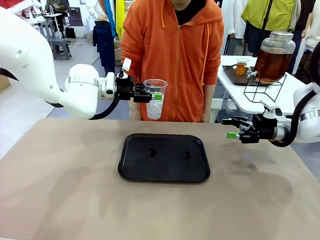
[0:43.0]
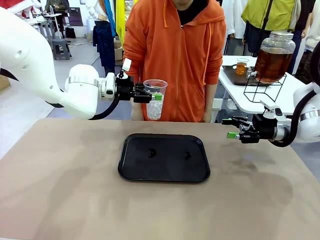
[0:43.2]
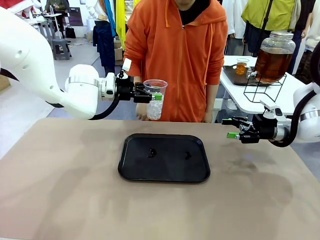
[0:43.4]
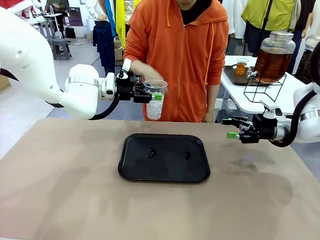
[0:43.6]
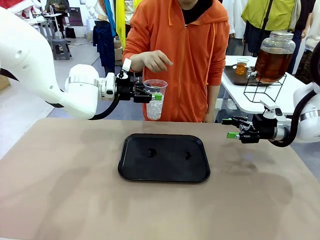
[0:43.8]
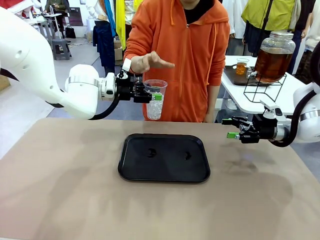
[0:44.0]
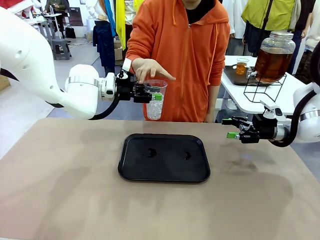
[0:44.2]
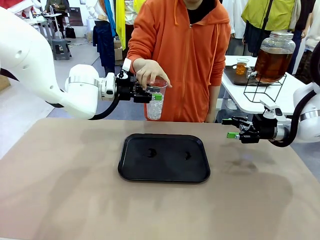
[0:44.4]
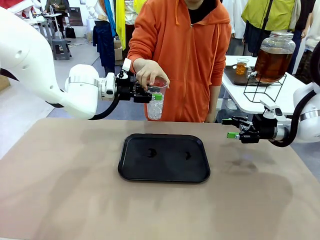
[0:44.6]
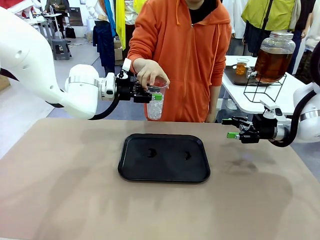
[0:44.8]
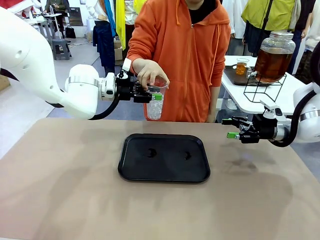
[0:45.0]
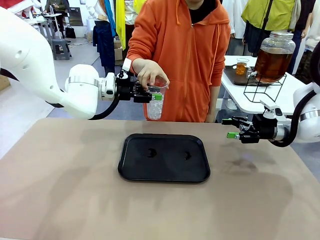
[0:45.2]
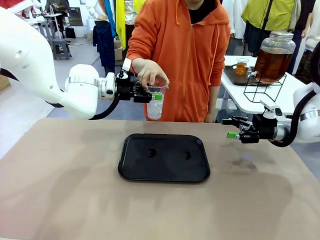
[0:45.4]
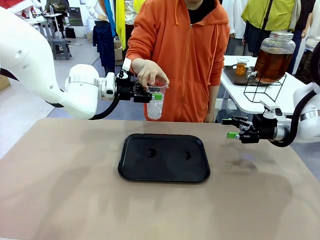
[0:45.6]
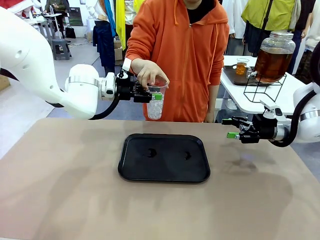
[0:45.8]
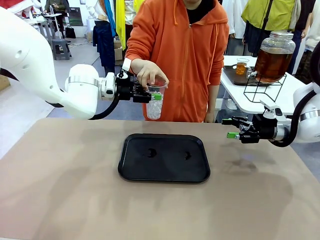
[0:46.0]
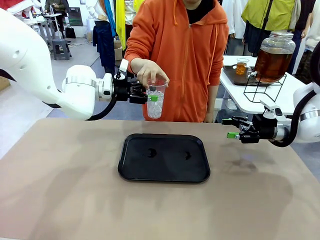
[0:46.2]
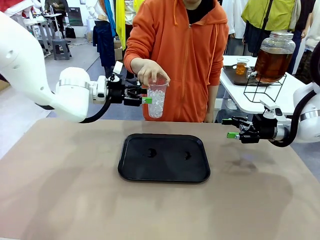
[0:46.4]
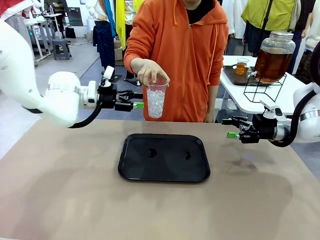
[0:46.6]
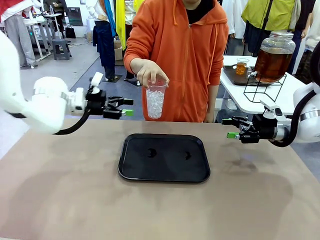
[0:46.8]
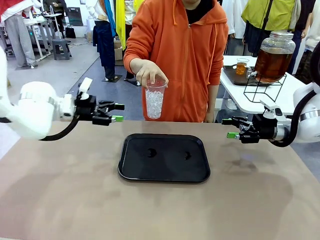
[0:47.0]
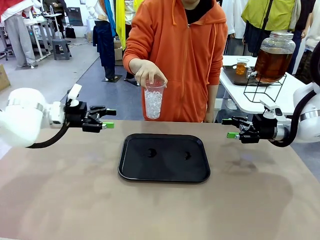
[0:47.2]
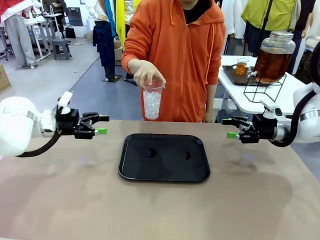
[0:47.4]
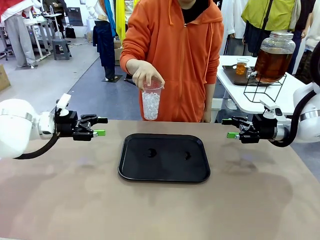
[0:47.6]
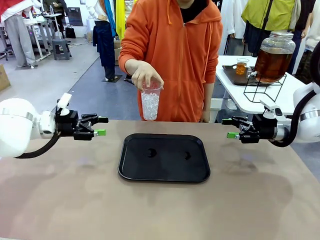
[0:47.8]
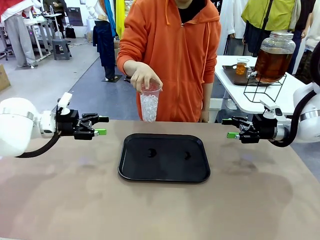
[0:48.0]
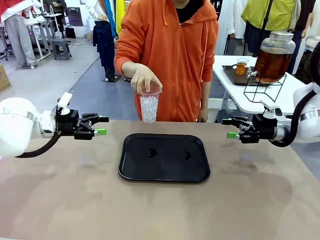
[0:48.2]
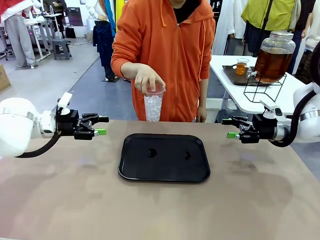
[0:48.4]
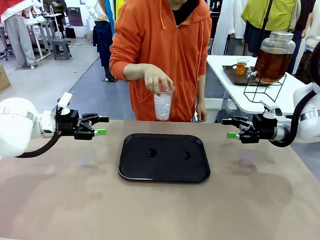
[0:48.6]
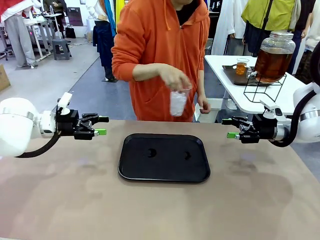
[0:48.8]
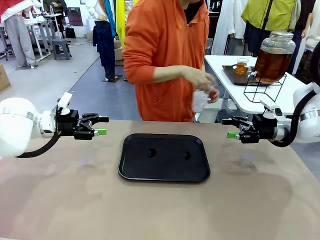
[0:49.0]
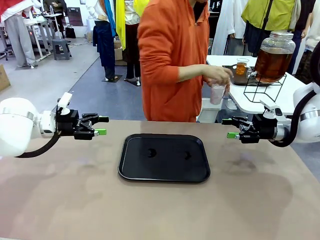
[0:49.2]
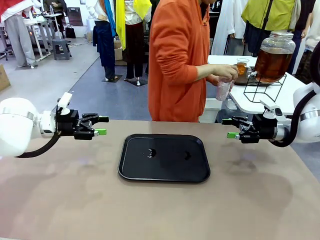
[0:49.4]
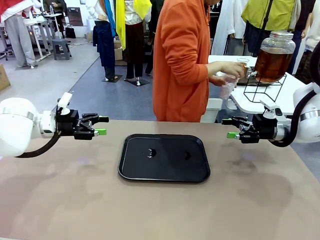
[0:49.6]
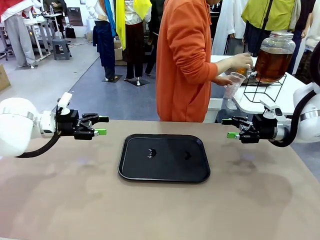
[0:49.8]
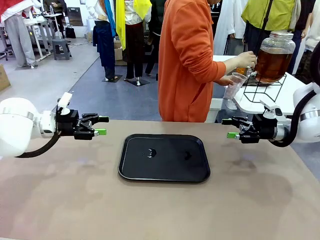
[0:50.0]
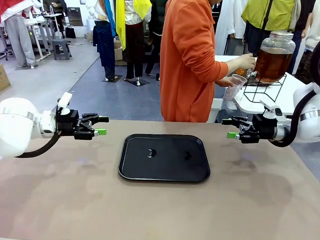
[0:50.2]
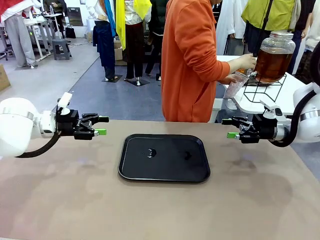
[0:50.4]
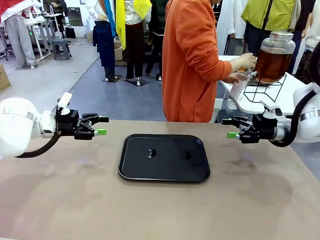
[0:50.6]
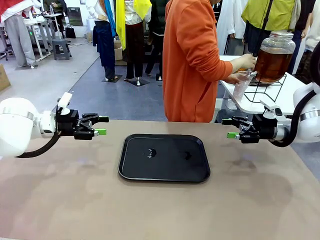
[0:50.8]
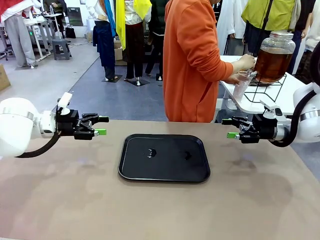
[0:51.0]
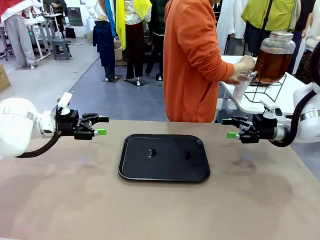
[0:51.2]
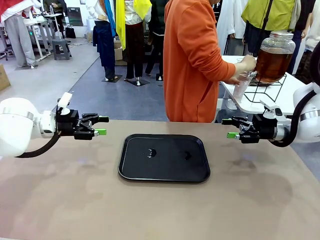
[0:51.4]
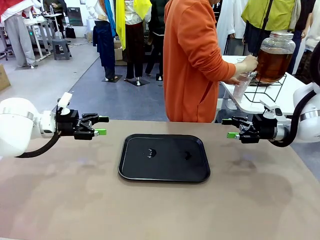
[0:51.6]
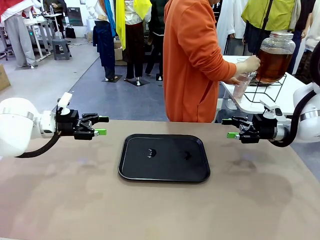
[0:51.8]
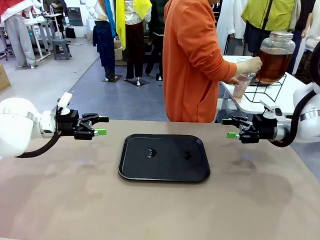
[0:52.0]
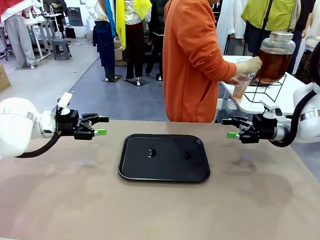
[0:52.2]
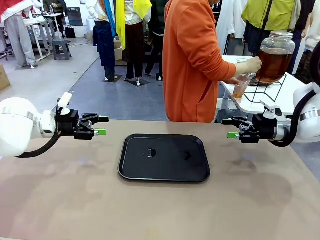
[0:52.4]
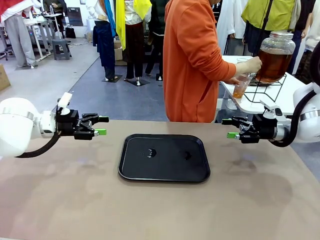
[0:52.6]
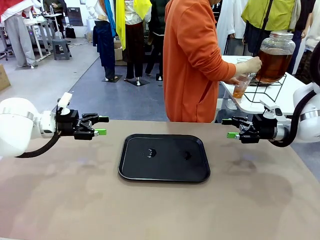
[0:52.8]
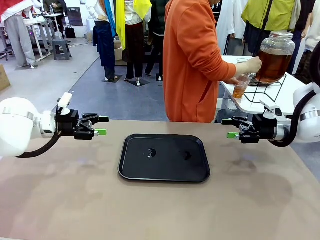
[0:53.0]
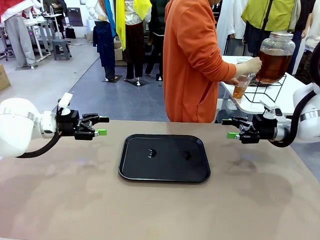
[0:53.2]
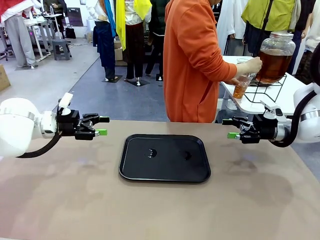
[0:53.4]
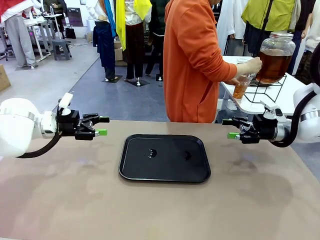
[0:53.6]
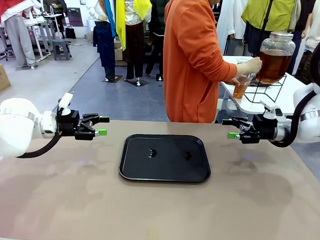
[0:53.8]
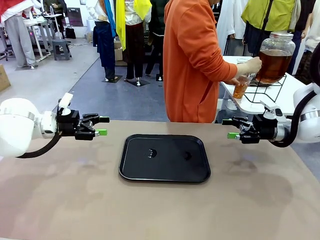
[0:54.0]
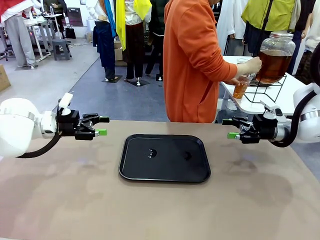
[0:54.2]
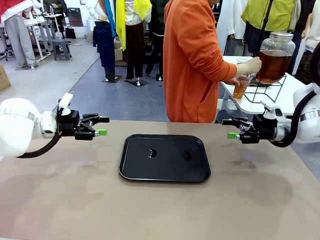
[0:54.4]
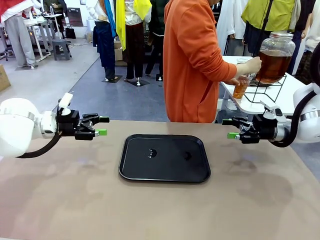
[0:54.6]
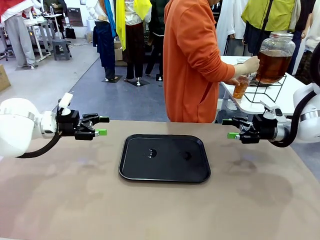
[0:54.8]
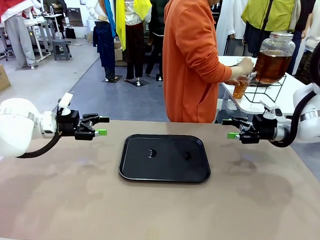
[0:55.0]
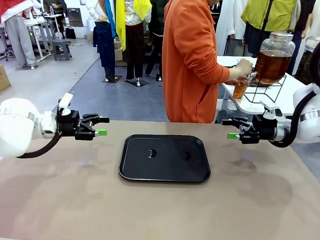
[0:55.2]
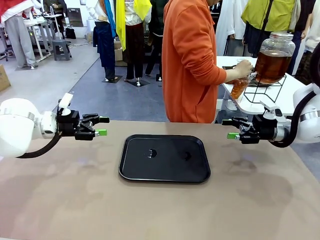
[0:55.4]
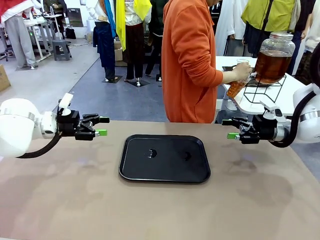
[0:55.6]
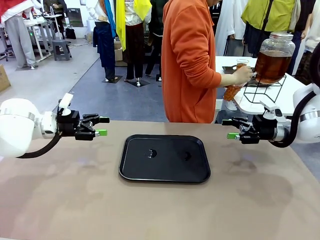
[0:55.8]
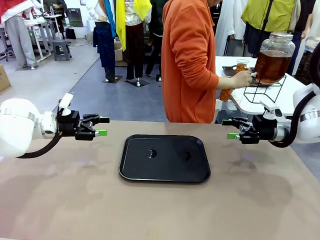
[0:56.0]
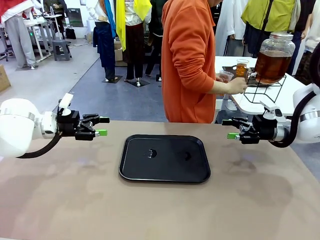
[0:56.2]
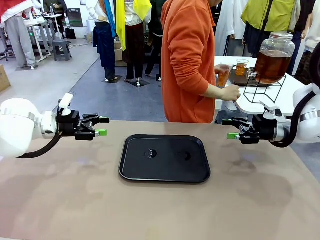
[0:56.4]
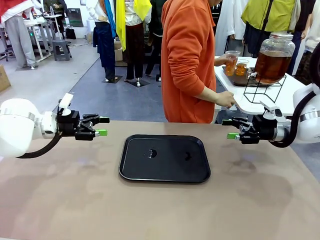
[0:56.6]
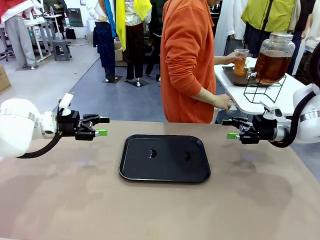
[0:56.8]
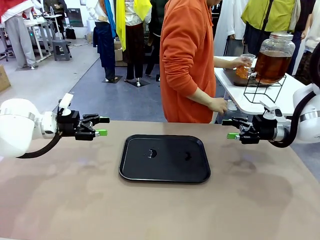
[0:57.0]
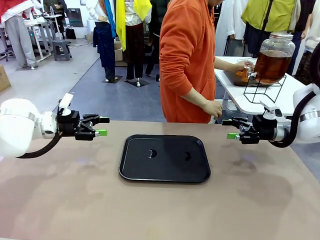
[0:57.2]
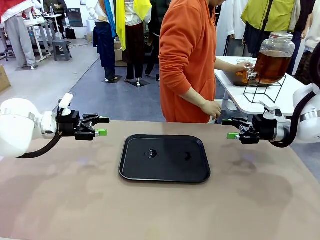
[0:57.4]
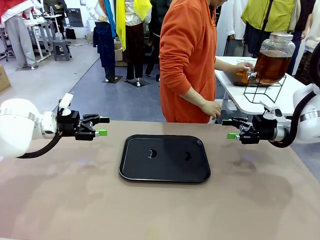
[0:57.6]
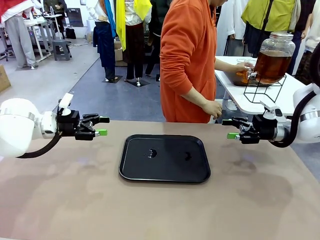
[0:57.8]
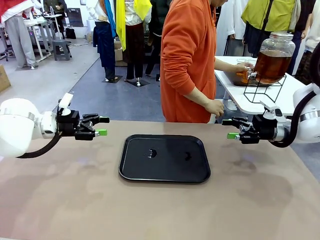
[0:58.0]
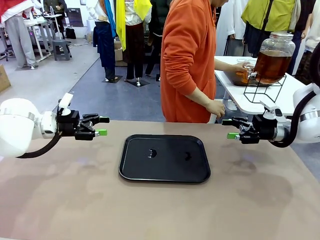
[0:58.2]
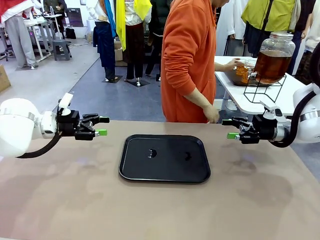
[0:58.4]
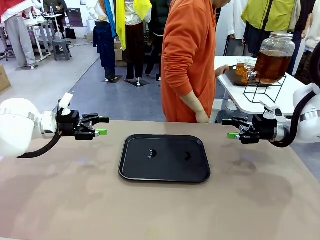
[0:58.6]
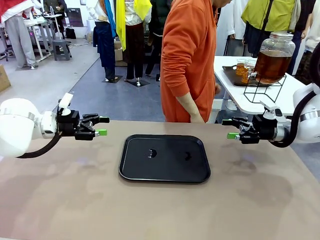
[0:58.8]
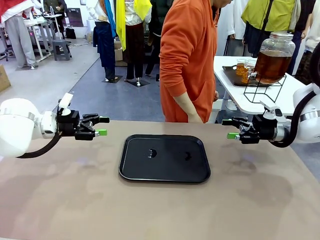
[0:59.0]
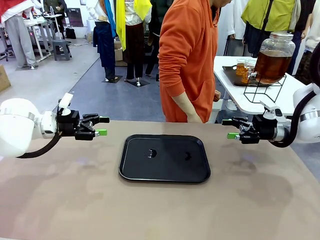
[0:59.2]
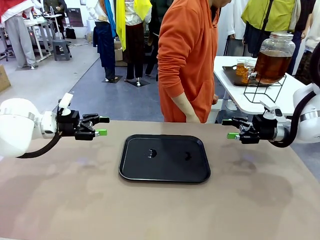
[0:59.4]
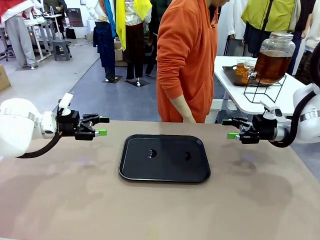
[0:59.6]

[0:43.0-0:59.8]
Task: Pour the drink into the iced cup.
Robot: Open the gripper to release the iced cup you were holding.
Person: Move the picked-up cup under the dispenser faucet, pour the drink, and place it on the tray on the human table.
